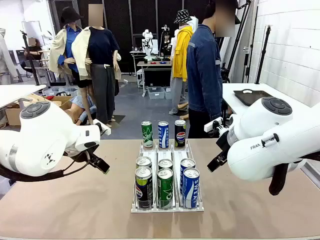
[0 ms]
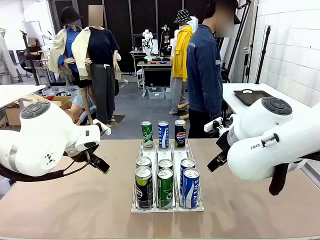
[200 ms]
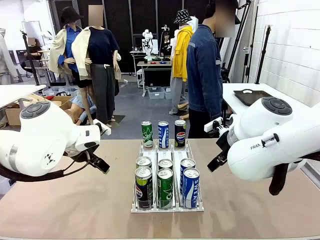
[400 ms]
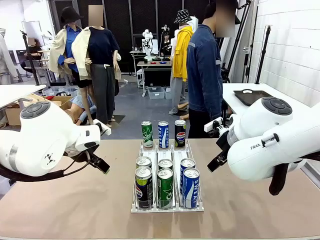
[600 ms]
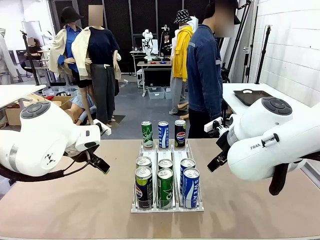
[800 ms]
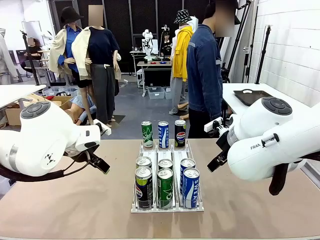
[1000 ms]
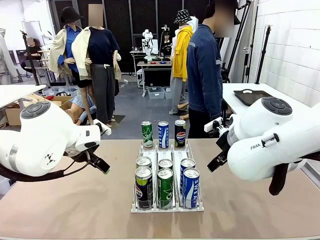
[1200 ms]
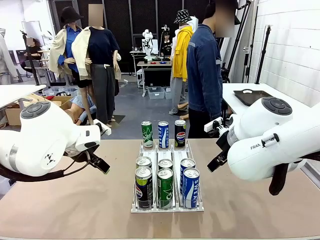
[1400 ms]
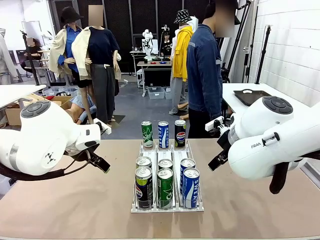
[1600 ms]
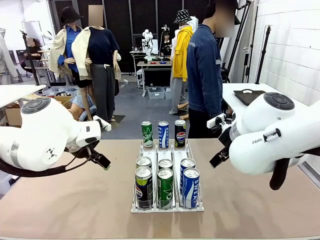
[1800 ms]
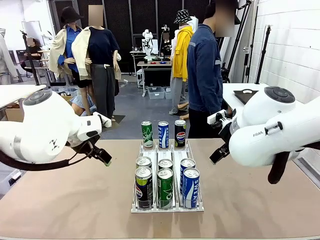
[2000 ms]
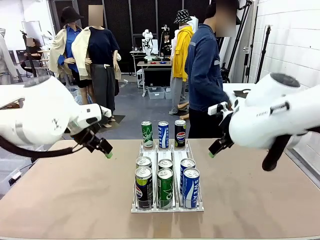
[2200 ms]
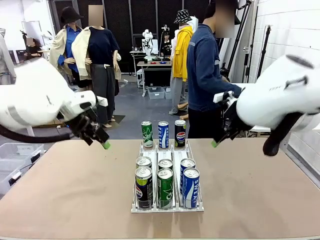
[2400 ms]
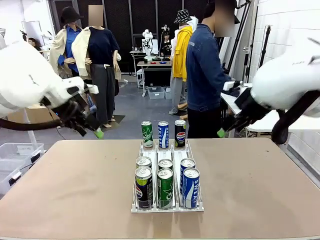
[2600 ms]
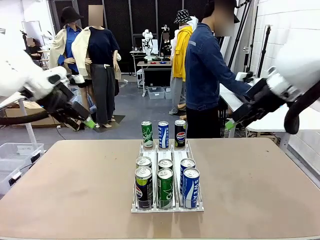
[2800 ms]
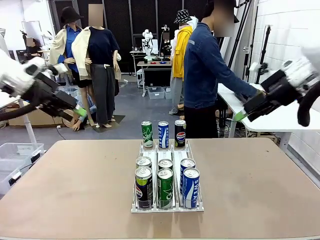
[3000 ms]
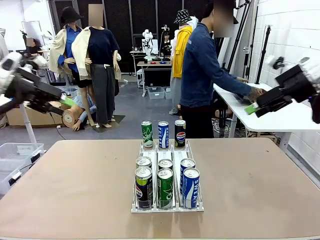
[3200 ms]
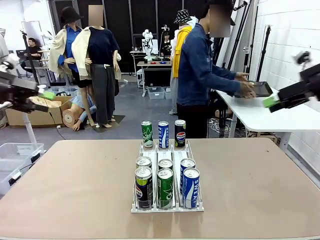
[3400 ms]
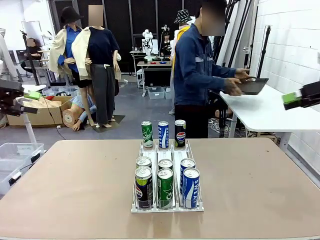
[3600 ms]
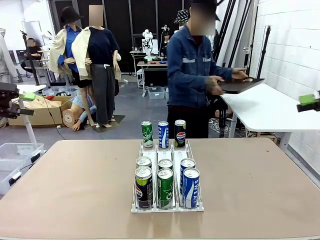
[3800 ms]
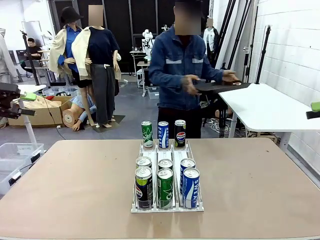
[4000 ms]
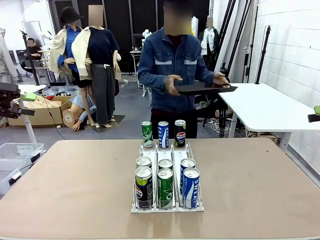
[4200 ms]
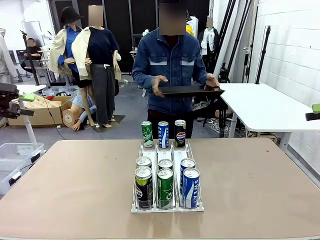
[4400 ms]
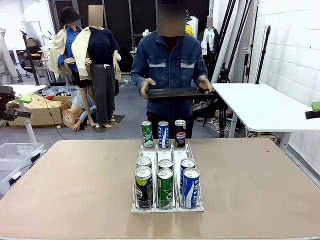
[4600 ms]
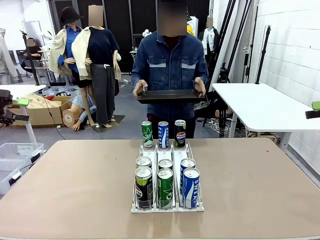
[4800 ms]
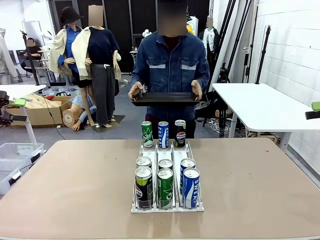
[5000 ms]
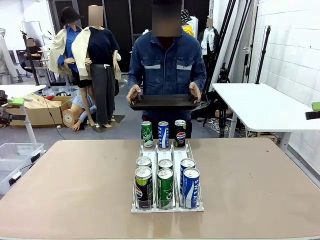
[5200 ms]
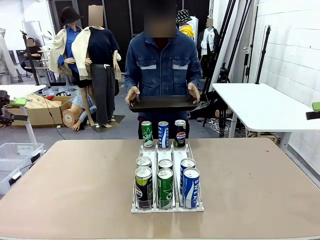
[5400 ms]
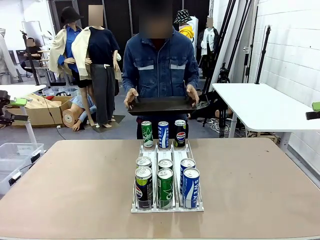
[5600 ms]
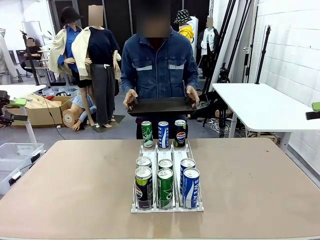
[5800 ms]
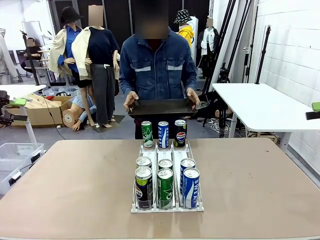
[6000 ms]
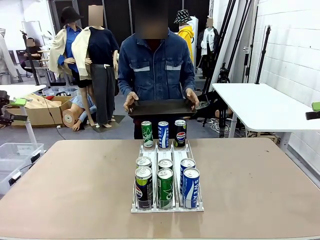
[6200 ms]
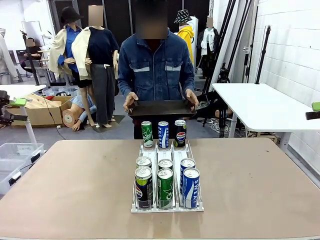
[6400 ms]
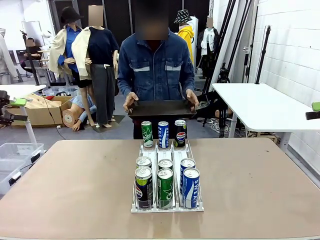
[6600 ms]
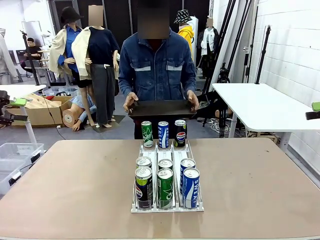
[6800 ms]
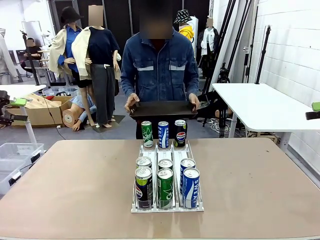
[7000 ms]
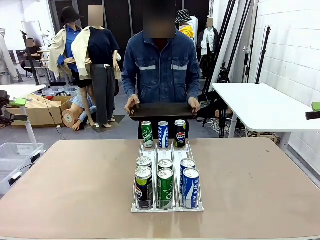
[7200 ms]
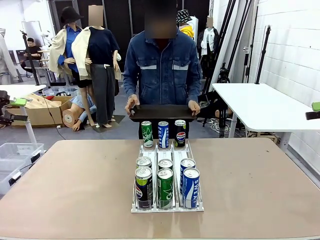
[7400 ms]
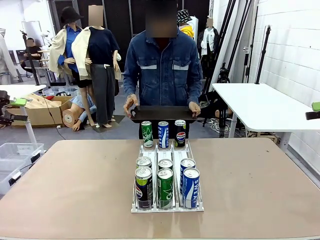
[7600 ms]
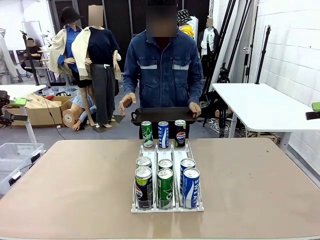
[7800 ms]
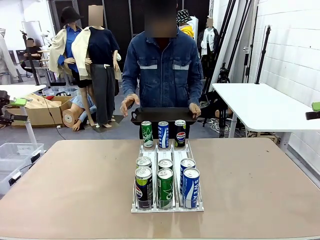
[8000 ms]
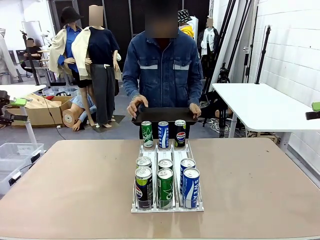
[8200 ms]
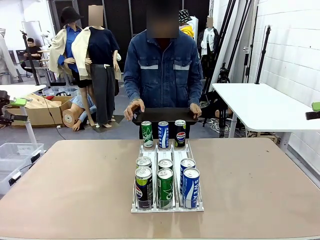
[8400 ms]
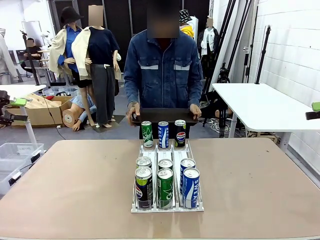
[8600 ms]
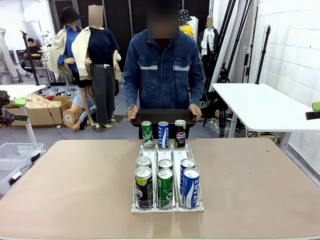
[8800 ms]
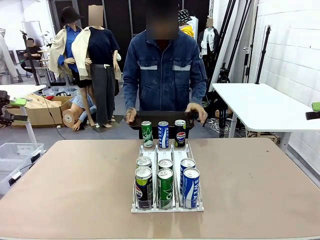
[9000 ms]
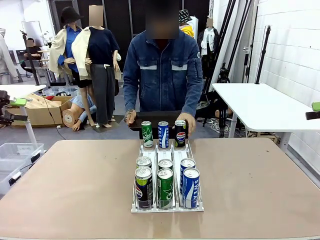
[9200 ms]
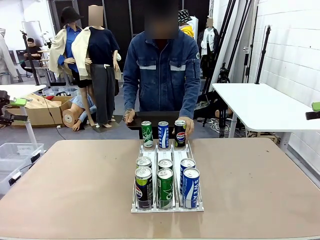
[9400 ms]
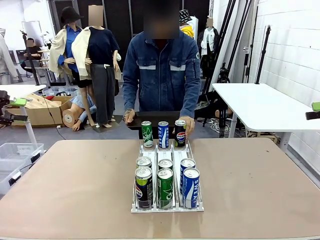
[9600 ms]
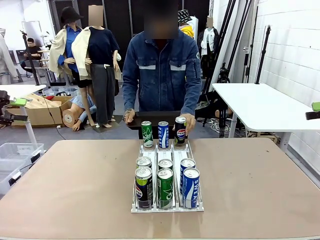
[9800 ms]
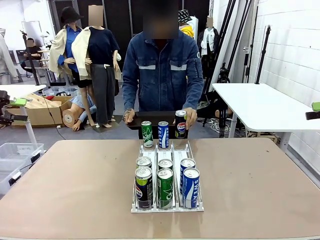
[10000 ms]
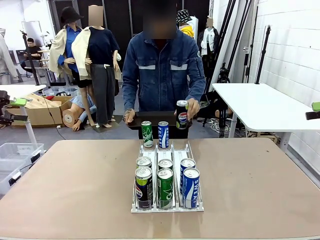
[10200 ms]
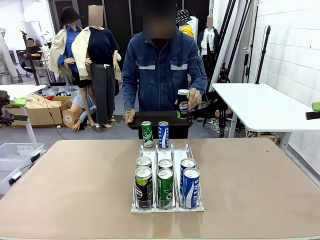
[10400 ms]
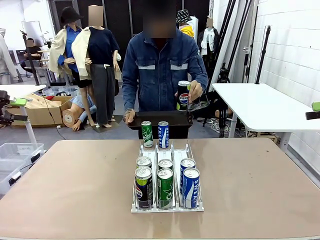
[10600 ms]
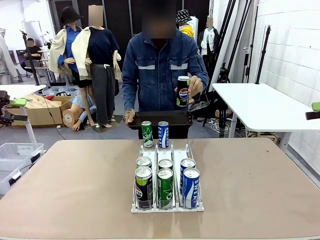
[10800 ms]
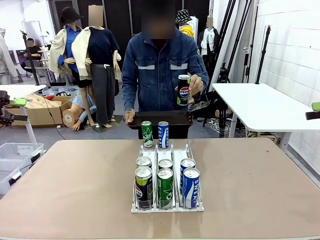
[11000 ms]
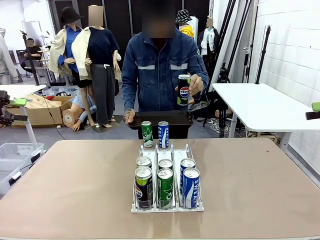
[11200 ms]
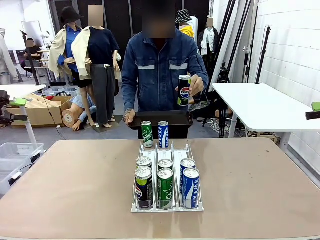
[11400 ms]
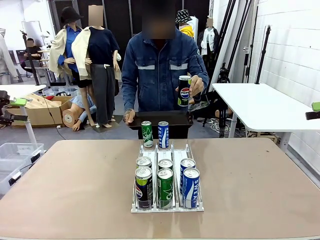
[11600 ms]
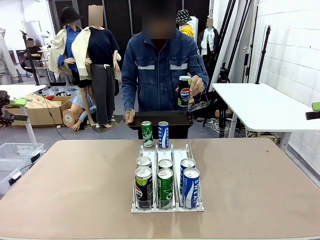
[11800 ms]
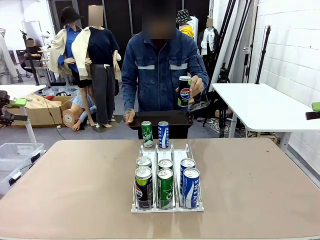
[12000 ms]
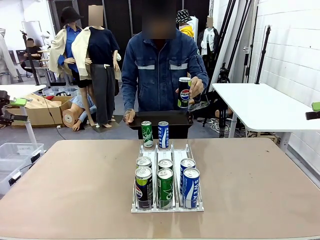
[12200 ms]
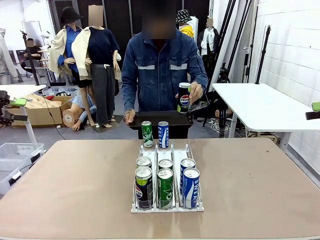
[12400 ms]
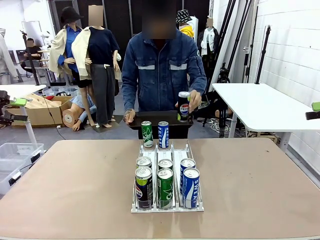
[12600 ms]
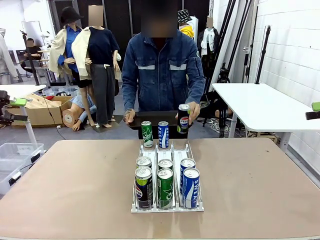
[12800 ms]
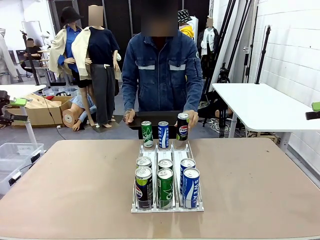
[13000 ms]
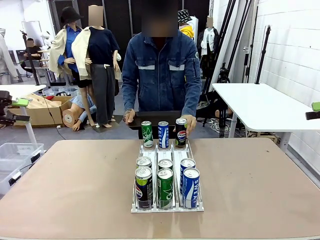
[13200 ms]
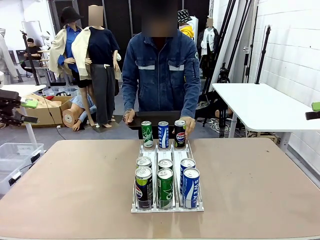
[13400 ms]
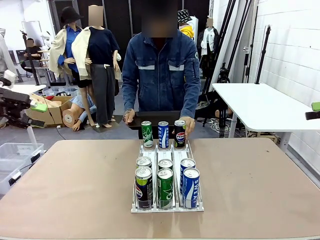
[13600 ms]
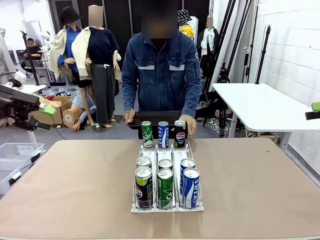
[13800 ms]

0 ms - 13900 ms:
Task: Retrieve and hand over the desired beverage to the person.
Robot: Pick up a can of the same type that the person held from the Automatic Can Dispenser.
Person: Hold the tray and position yourself in front of the robot table. Pick up one can from the bottom area of the table and puts it back in its original place.
